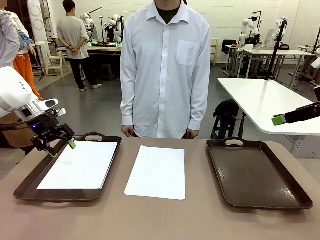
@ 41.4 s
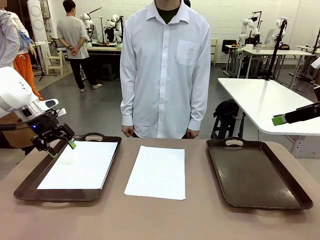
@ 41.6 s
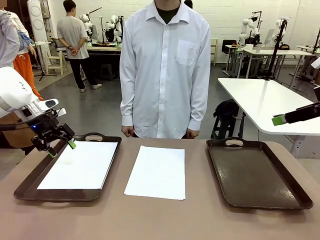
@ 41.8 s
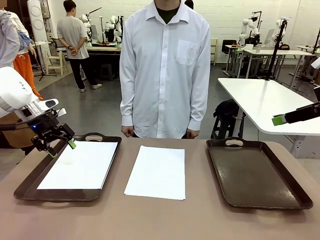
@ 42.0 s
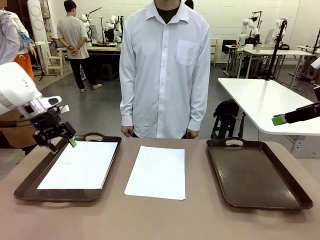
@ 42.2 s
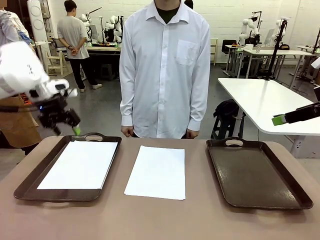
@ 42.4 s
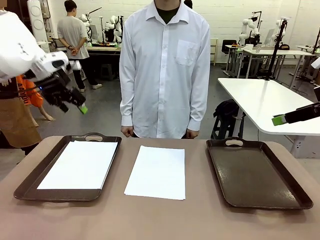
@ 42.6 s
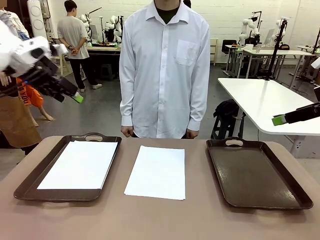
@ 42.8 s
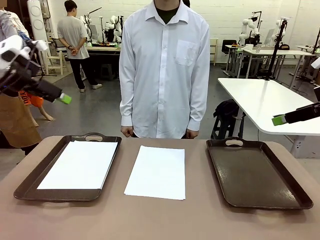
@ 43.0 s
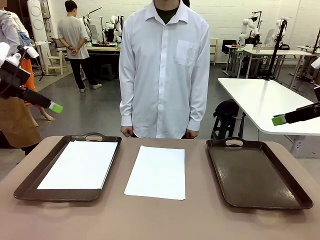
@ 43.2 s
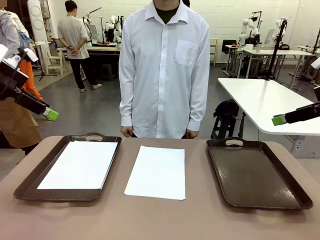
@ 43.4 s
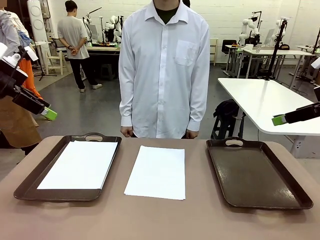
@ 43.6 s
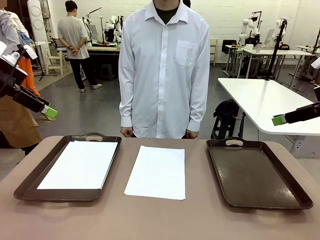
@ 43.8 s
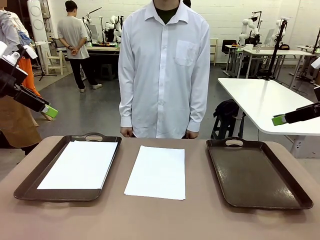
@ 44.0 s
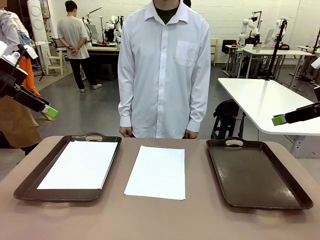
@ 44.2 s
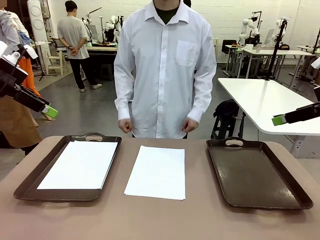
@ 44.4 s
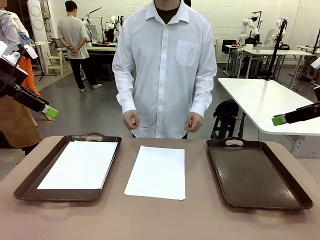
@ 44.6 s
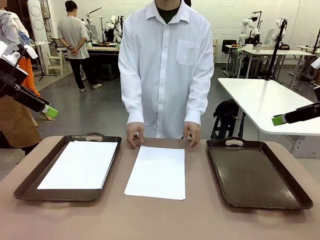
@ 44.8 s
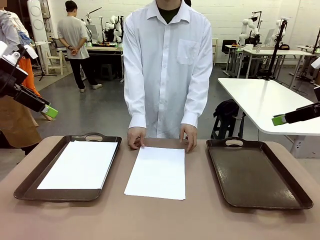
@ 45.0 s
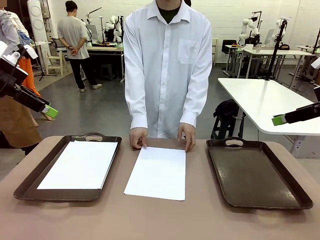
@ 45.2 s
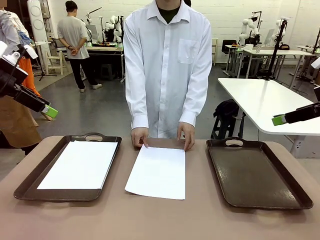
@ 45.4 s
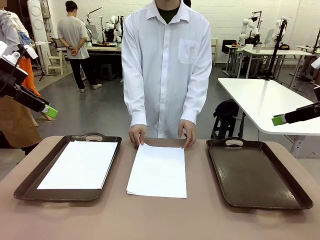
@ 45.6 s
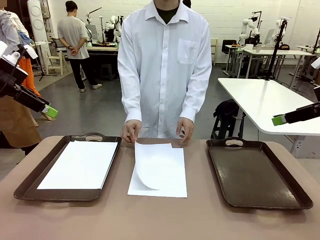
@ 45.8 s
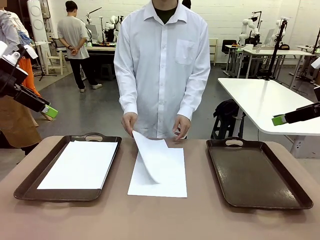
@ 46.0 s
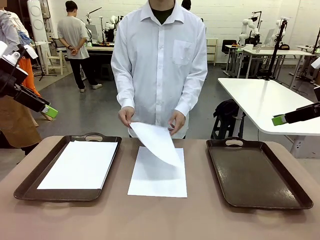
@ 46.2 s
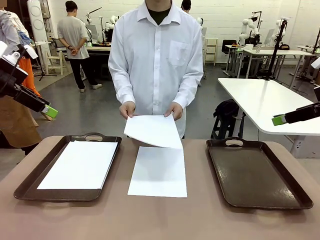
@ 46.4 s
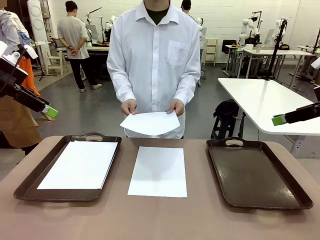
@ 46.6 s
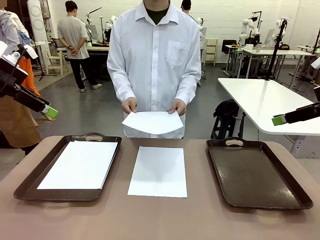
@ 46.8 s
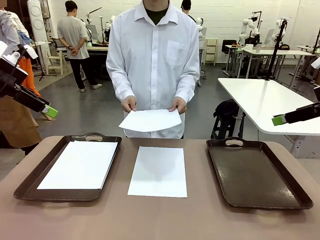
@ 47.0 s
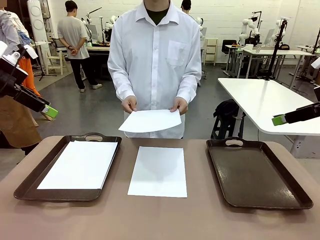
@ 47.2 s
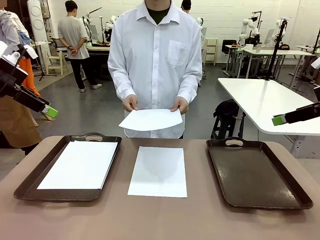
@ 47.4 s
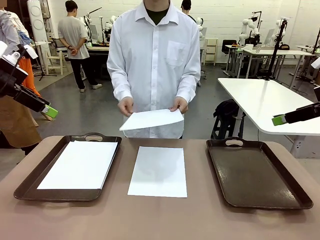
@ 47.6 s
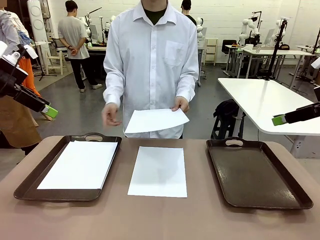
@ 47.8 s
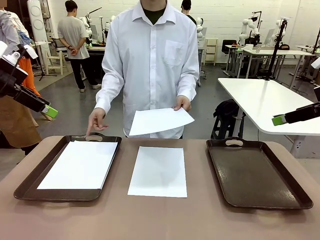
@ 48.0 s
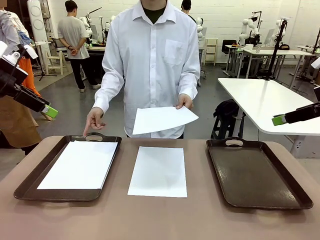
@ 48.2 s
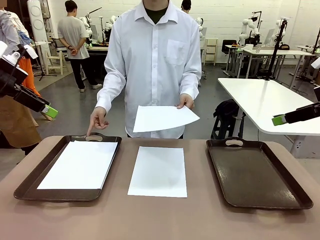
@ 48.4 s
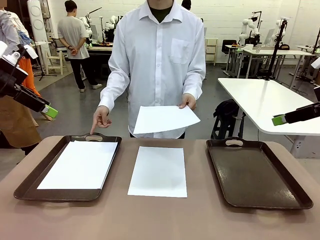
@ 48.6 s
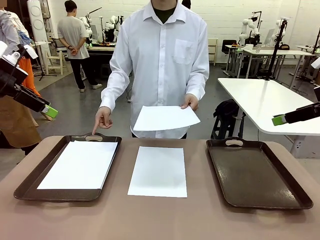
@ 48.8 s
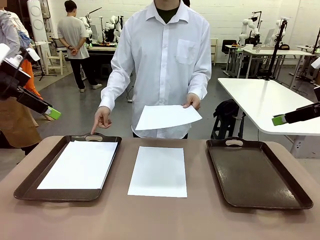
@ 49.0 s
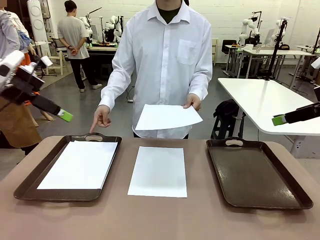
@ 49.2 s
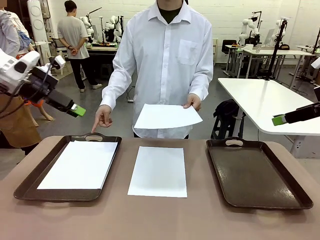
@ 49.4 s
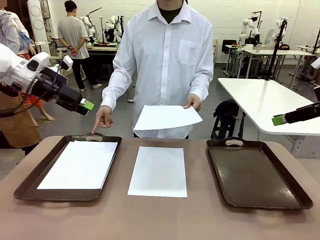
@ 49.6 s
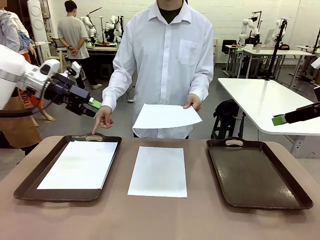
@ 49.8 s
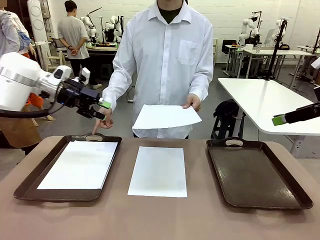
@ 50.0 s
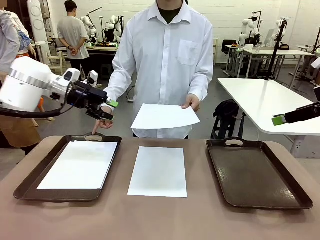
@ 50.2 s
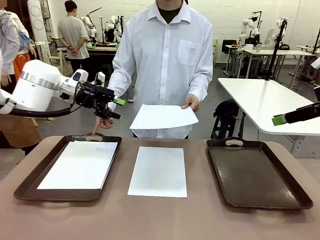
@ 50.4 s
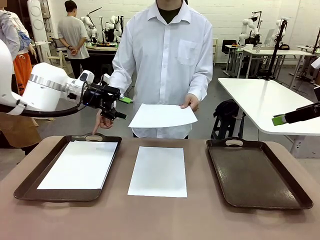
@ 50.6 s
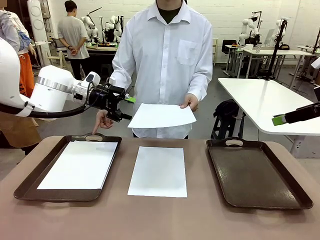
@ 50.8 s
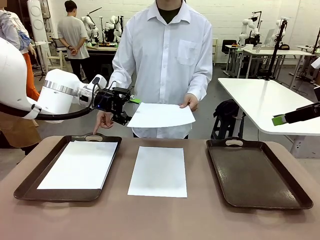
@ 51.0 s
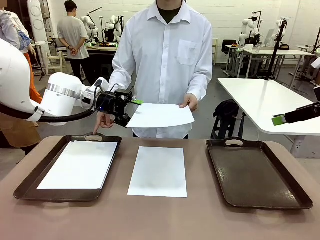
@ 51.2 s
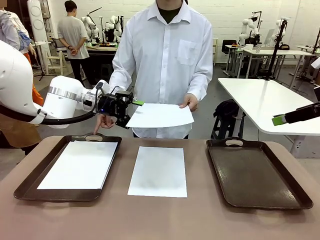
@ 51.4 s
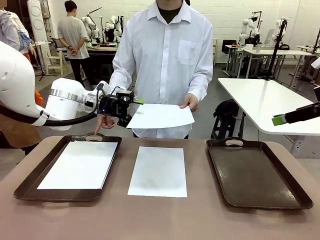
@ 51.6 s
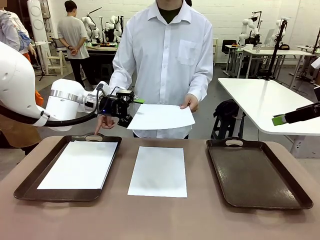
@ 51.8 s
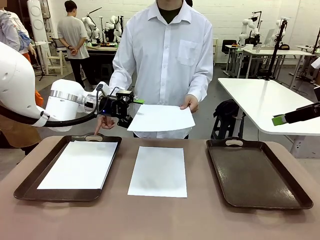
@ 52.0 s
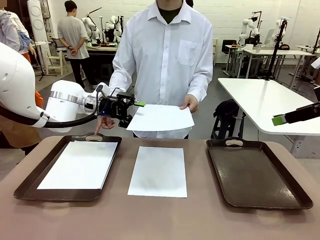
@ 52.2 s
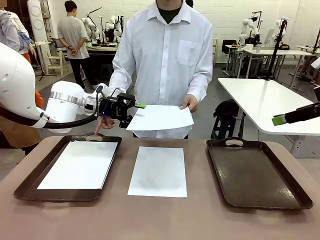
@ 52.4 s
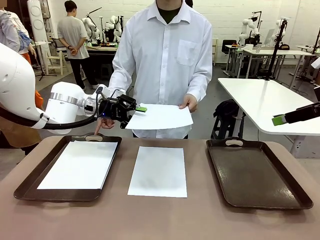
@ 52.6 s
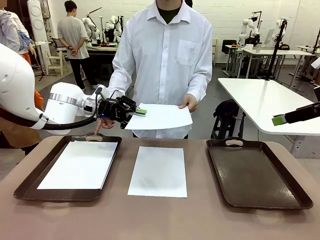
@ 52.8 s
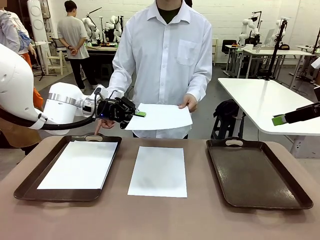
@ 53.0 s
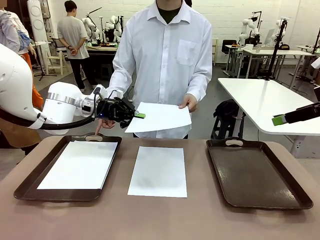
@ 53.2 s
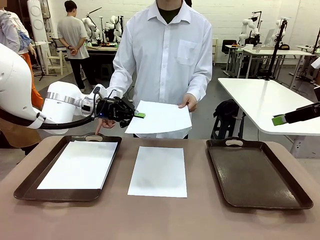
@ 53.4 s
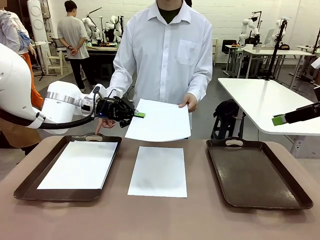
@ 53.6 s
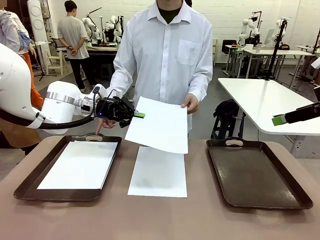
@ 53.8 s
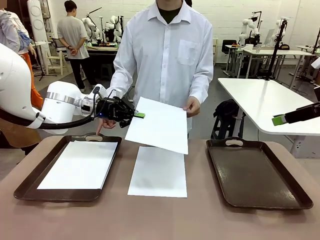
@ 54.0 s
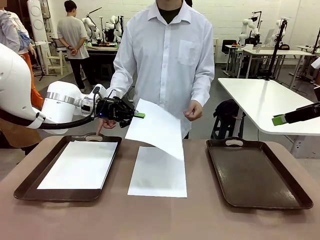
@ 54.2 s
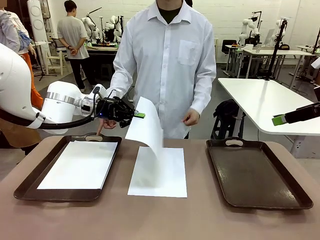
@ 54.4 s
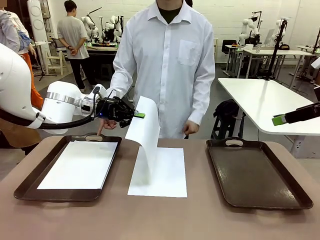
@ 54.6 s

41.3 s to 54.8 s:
Task: Sort the A4 documents.
Robot: Receive the A4 Paper.
Person: Point the randomly selected tray with the other hand.

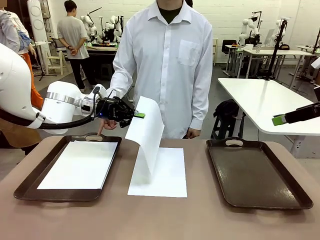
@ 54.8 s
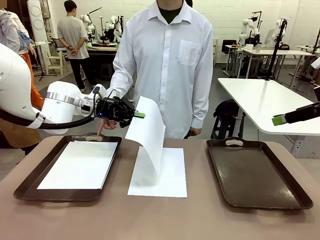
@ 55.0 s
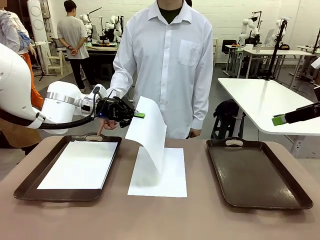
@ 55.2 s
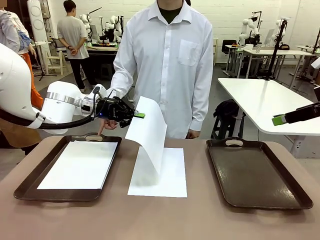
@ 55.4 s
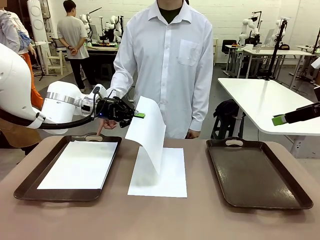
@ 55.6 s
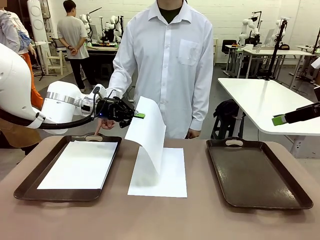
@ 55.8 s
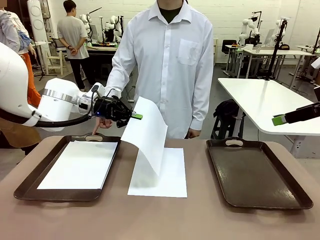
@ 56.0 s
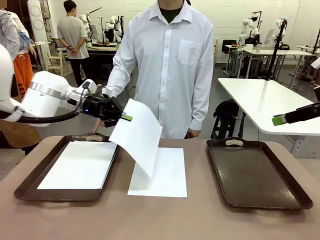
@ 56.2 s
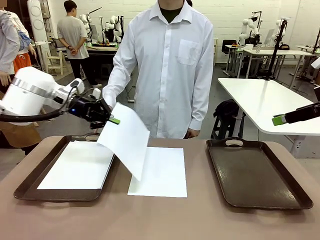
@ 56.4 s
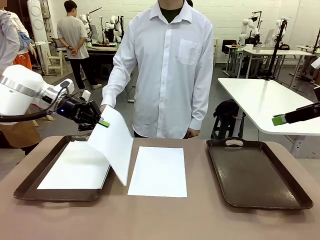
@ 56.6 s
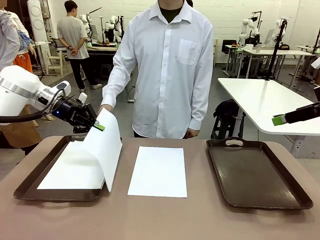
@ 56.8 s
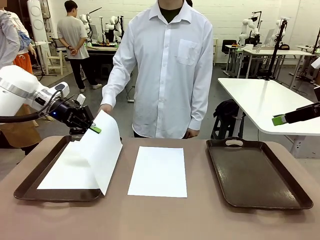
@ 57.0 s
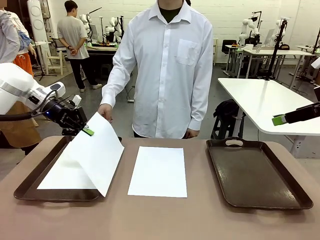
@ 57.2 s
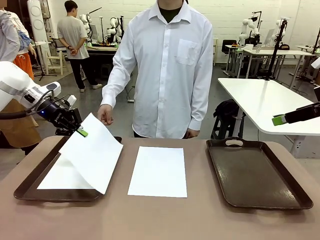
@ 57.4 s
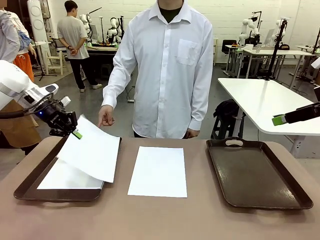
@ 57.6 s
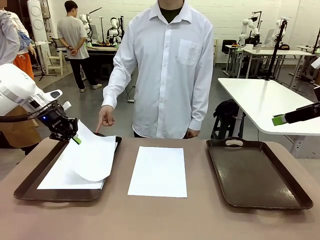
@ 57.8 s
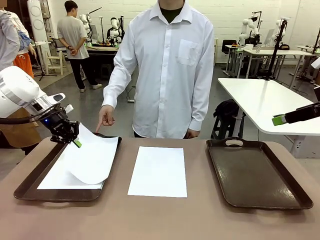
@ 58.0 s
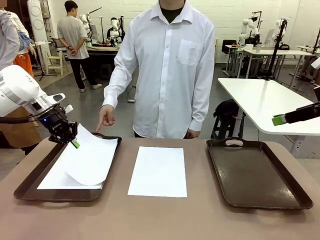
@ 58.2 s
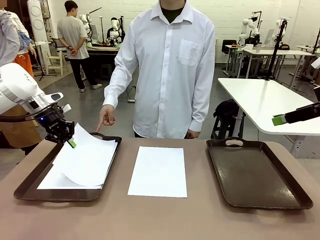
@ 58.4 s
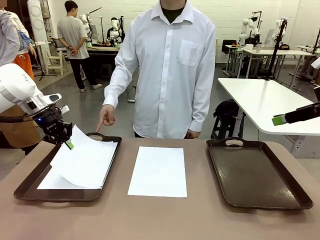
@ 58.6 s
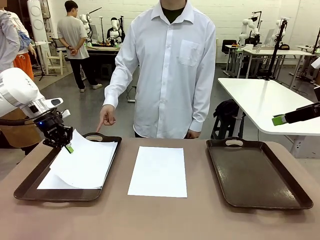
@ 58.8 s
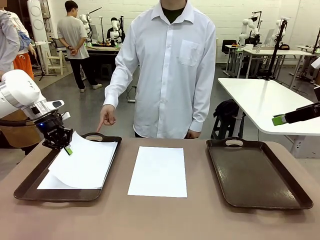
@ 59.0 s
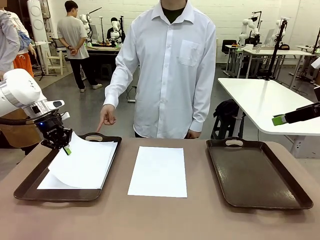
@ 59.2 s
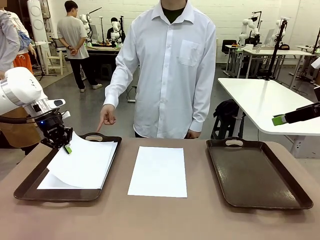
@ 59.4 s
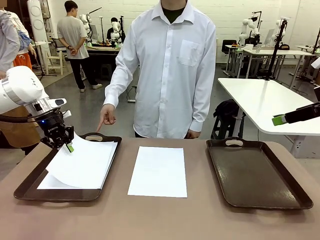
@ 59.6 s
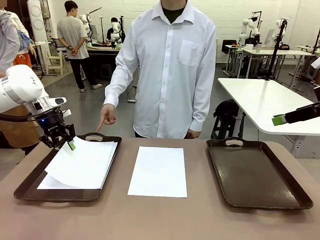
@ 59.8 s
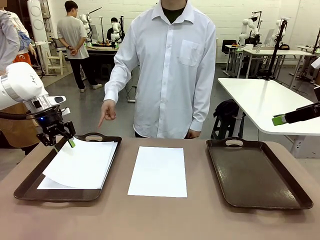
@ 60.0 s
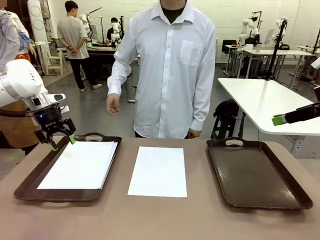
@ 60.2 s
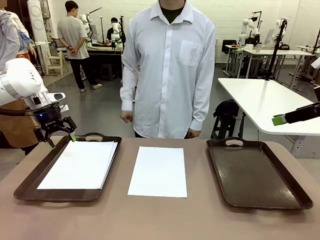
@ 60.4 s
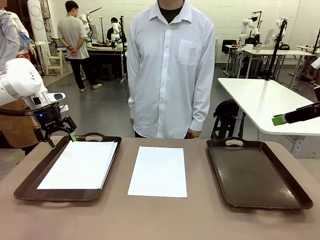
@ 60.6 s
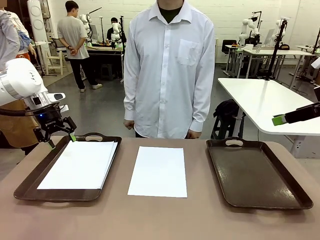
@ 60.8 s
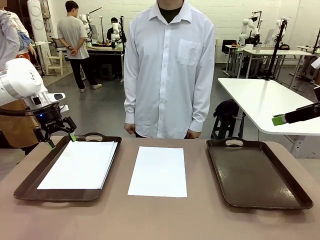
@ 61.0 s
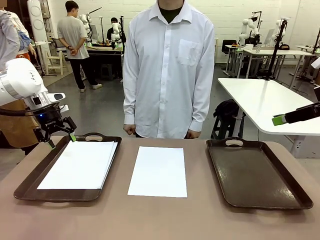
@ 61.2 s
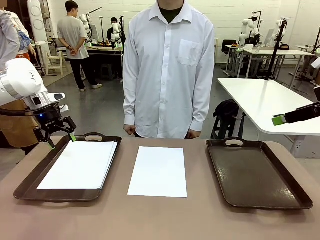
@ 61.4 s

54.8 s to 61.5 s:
Robot: Place the A4 Paper in the designated Handle tray.
